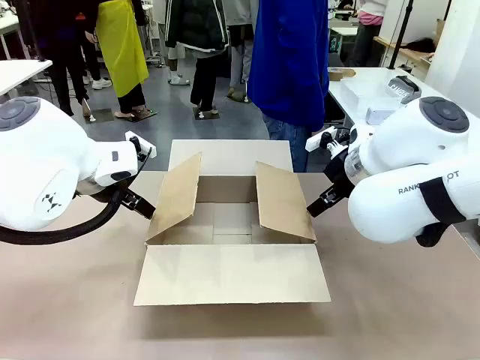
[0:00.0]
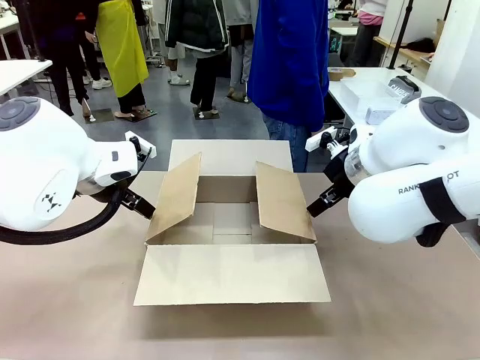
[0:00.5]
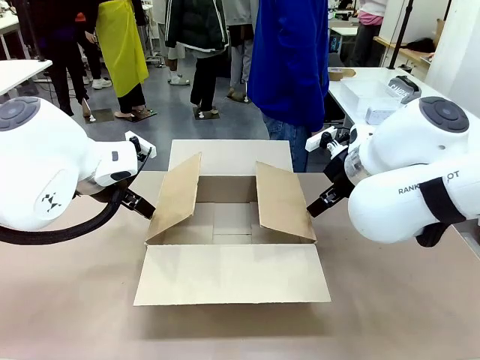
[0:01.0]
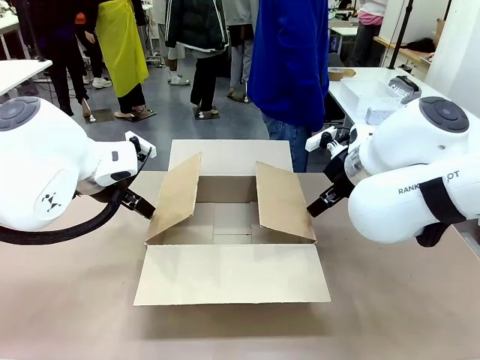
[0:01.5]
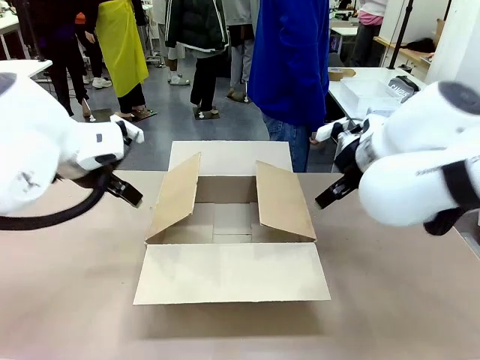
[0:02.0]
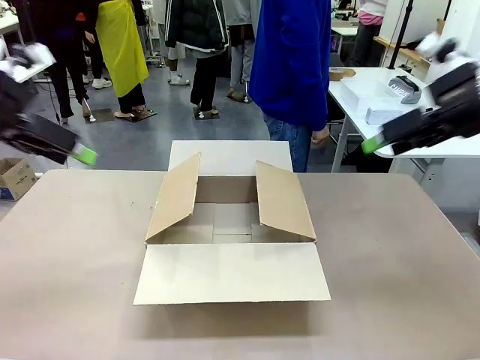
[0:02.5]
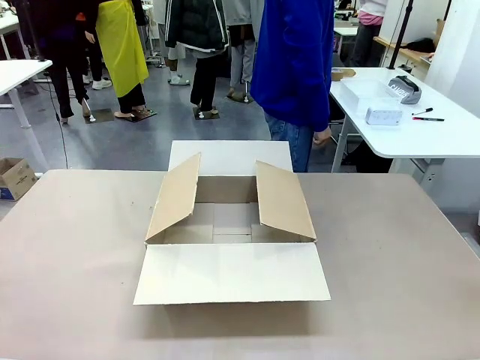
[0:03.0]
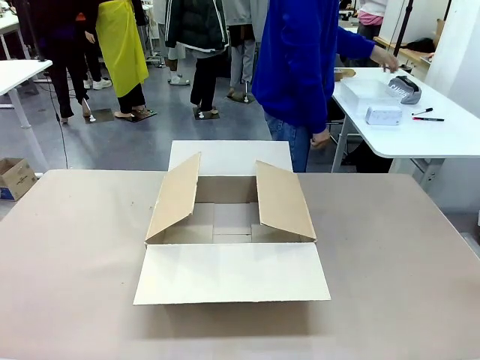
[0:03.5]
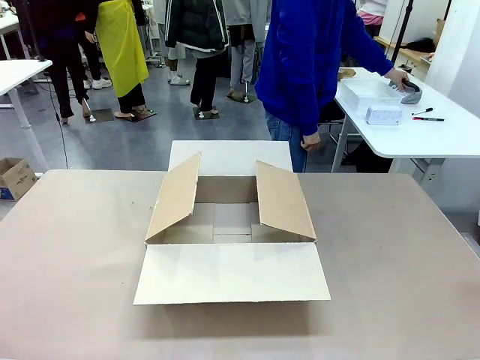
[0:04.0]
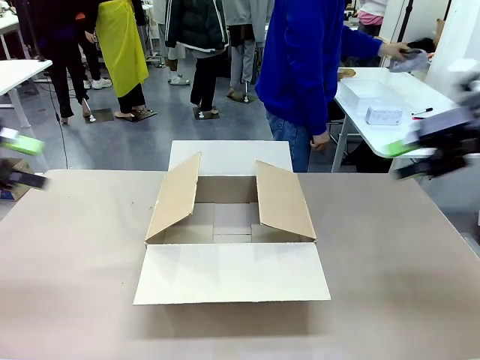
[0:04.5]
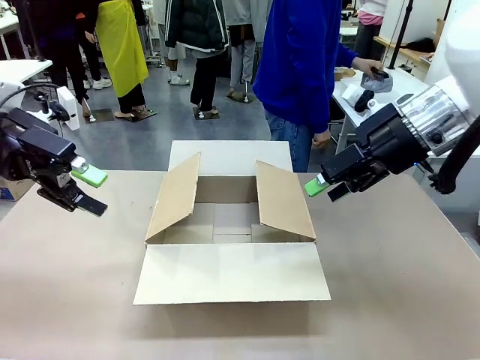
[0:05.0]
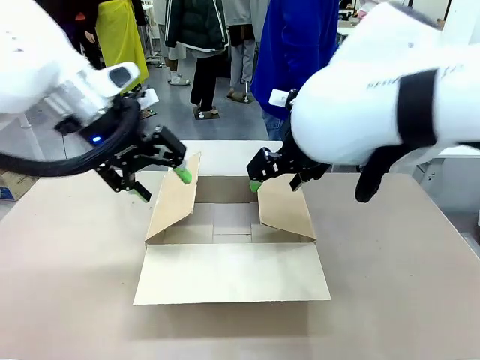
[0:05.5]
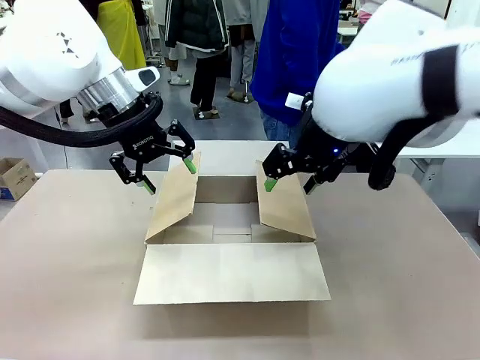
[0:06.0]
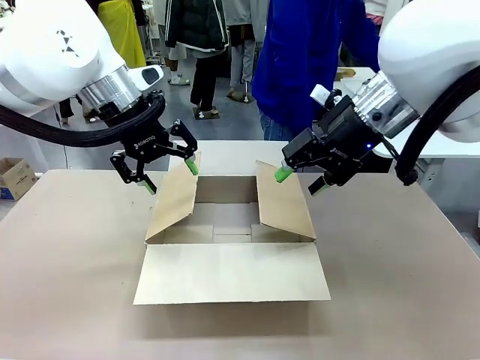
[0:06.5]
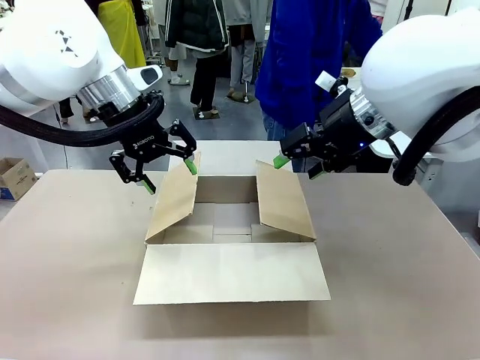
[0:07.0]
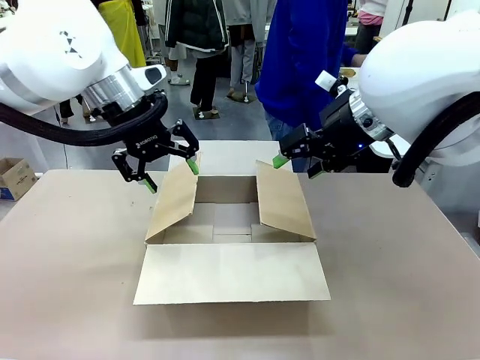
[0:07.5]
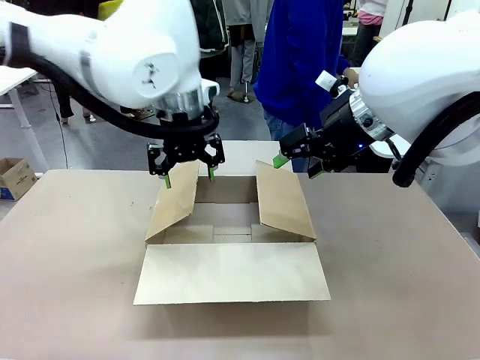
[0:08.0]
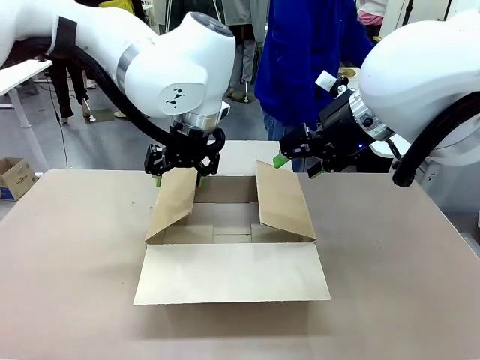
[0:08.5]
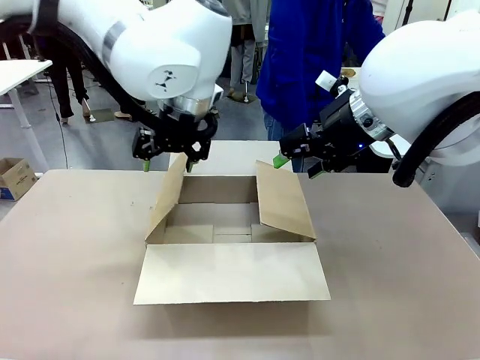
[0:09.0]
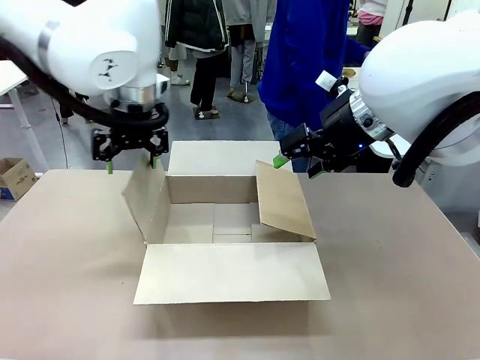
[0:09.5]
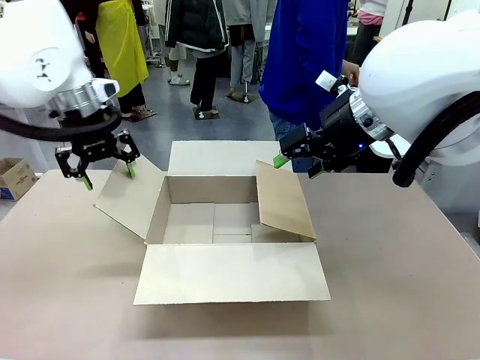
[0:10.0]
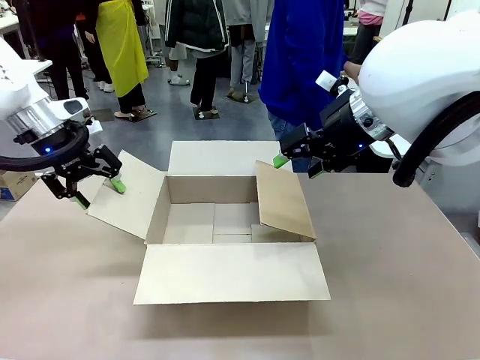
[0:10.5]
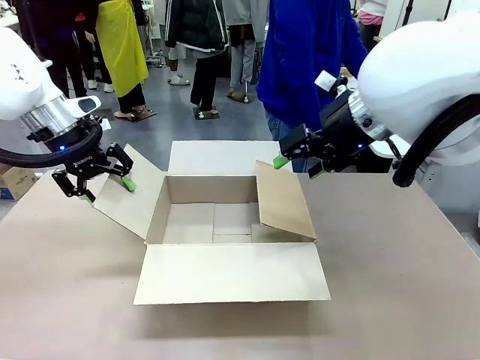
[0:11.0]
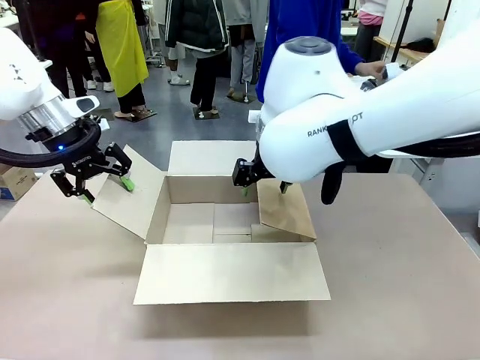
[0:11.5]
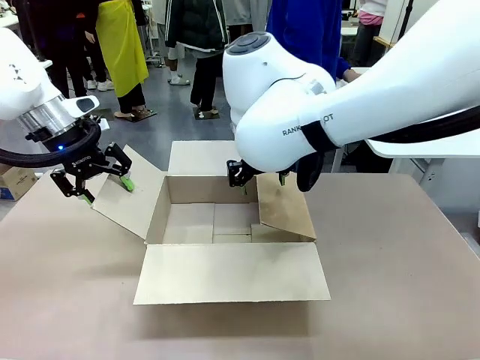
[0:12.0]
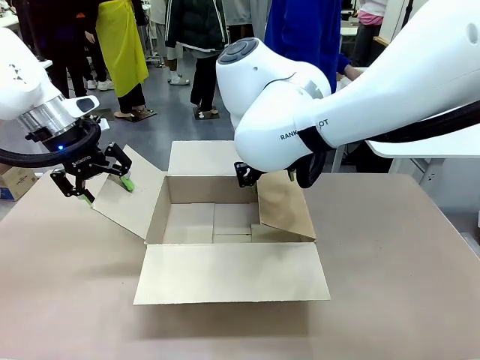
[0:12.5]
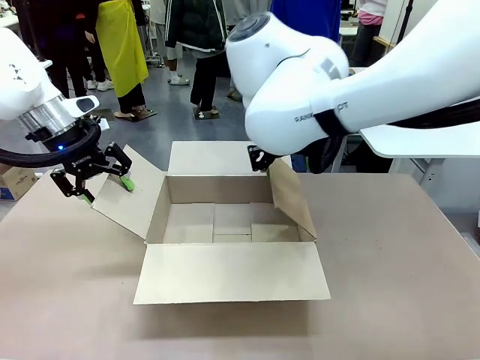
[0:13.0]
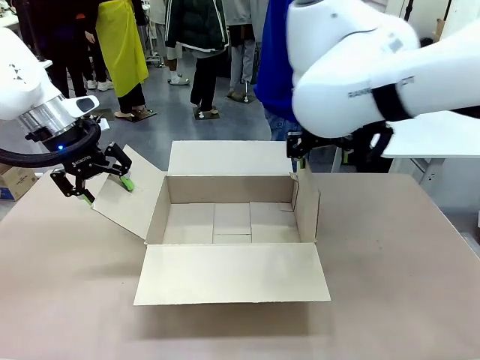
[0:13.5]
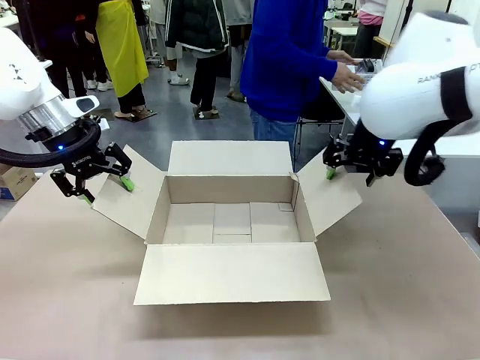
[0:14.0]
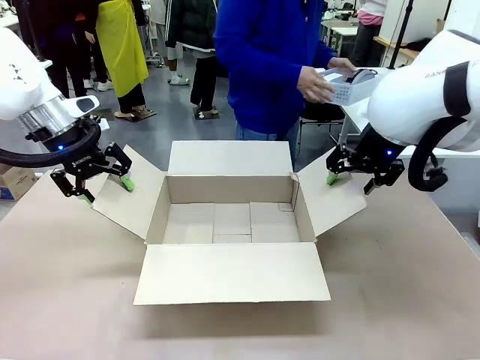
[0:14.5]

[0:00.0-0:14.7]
Task: Pack the gift set into the box.
Robot: Place both hands on the side flaps of the Package Box and spread them outward.
Person: The human places all items except the paper tape into the organizing basket.

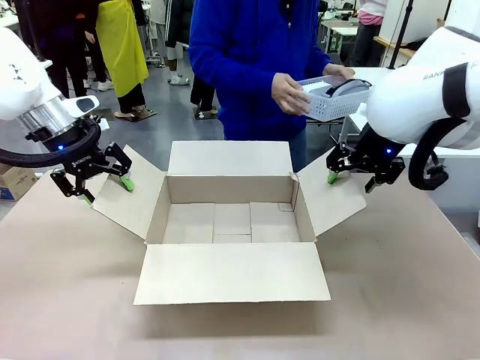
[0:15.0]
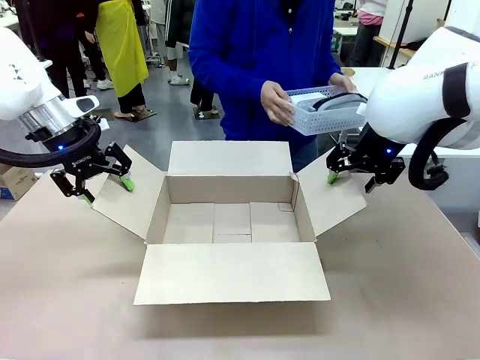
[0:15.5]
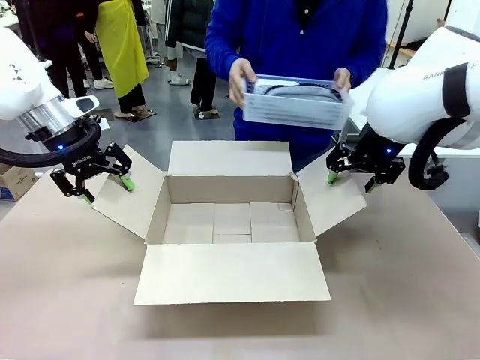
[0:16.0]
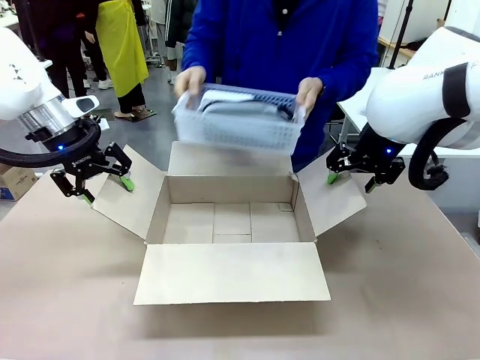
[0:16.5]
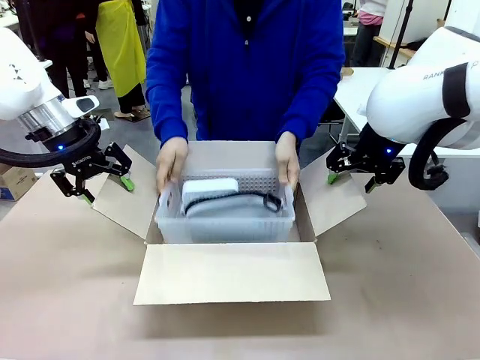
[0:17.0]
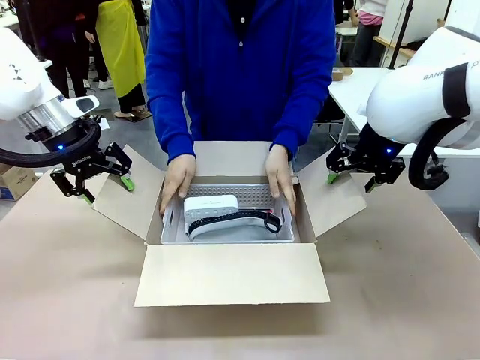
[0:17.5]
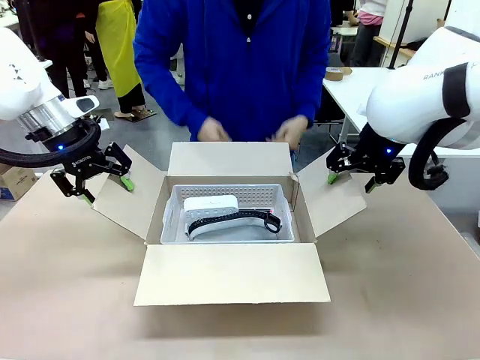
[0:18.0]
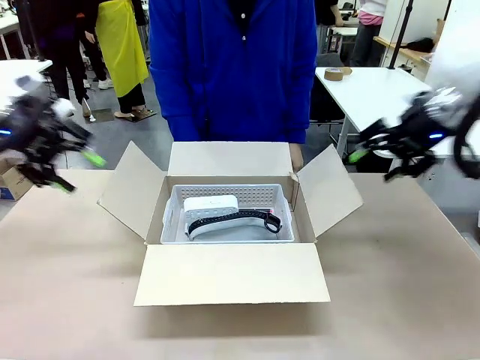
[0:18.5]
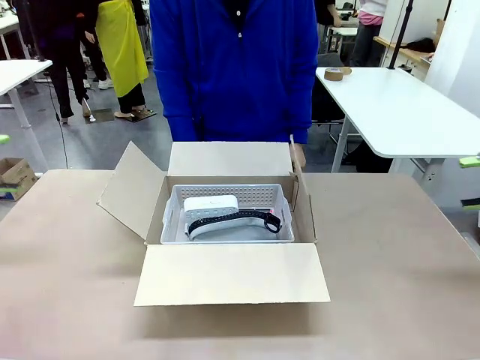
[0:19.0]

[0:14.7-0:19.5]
Robot: Lift both hands away from the flaps of the Package Box.
Person: The human picks up the organizing basket and places the organizing basket into the package box on the robot table.
